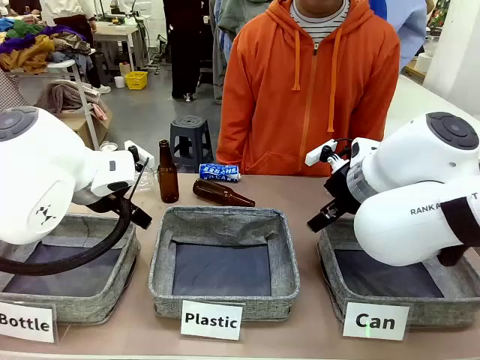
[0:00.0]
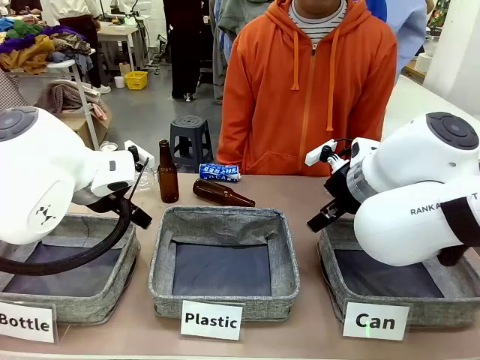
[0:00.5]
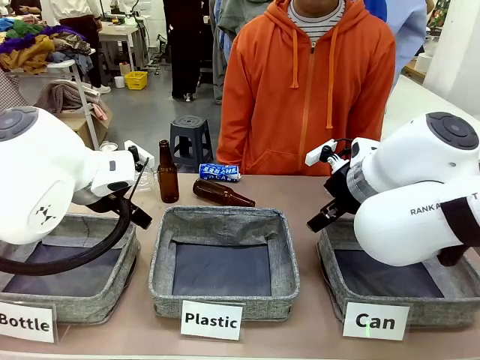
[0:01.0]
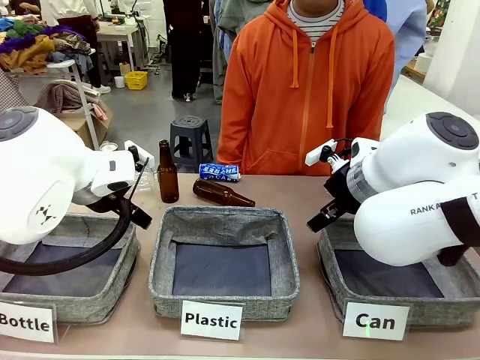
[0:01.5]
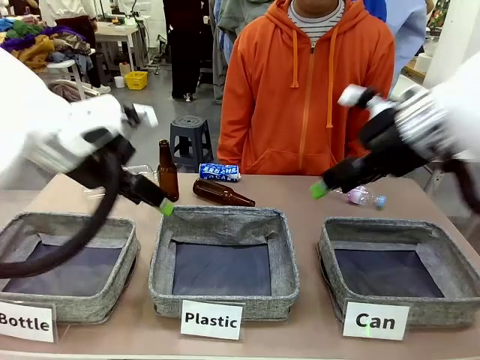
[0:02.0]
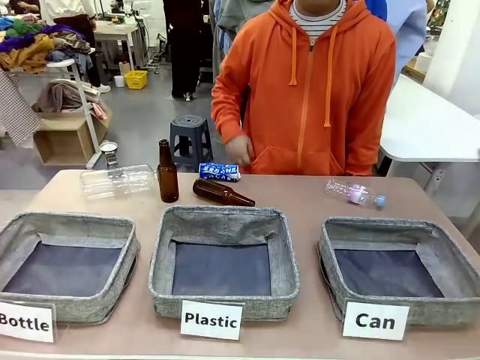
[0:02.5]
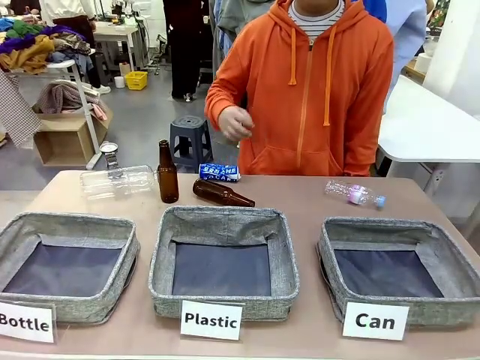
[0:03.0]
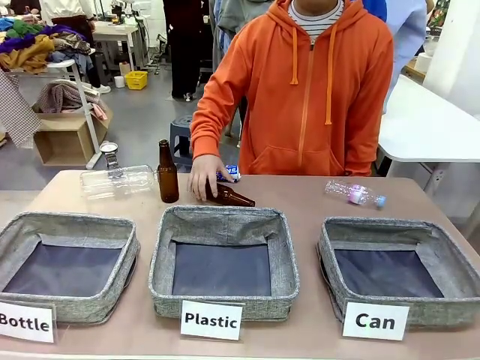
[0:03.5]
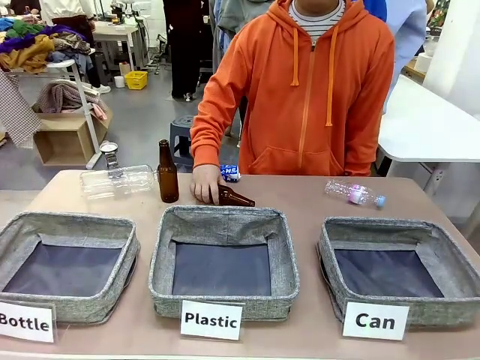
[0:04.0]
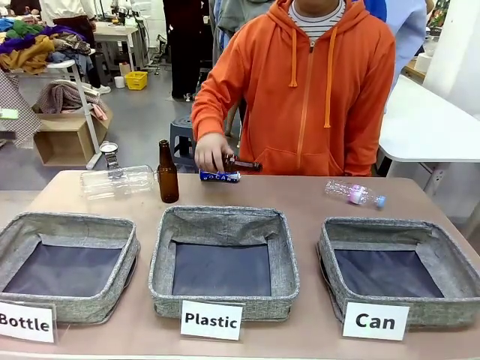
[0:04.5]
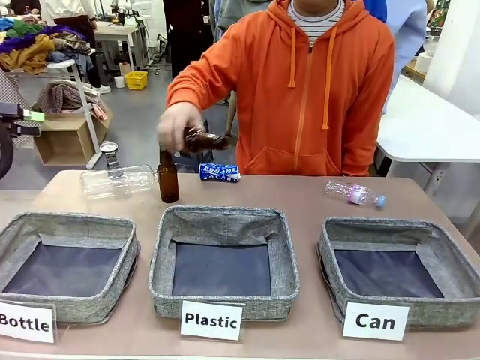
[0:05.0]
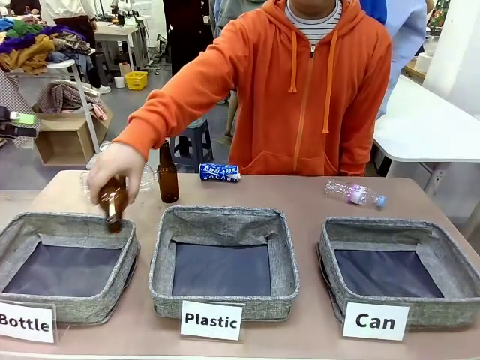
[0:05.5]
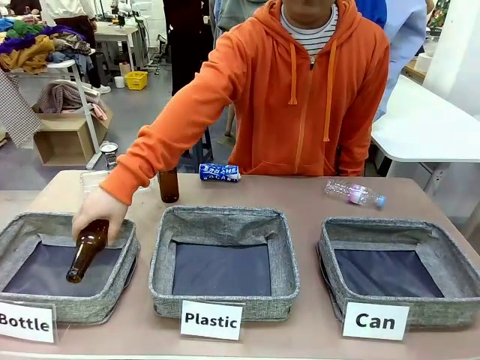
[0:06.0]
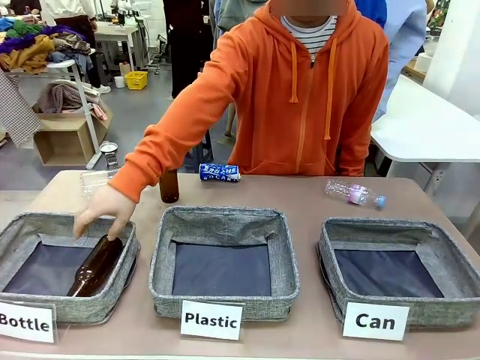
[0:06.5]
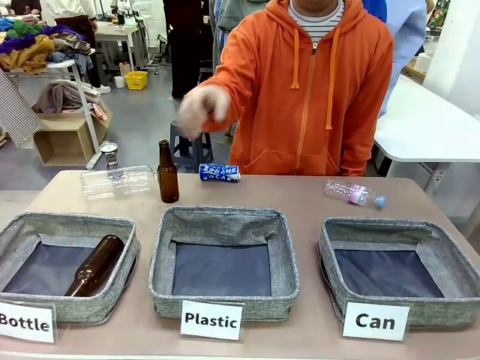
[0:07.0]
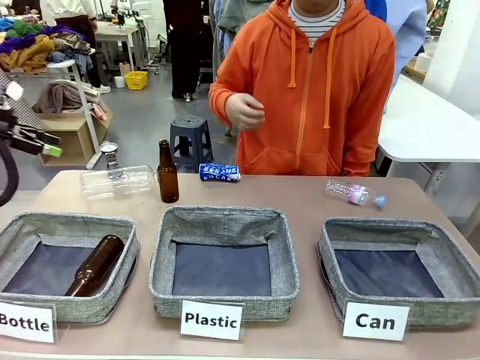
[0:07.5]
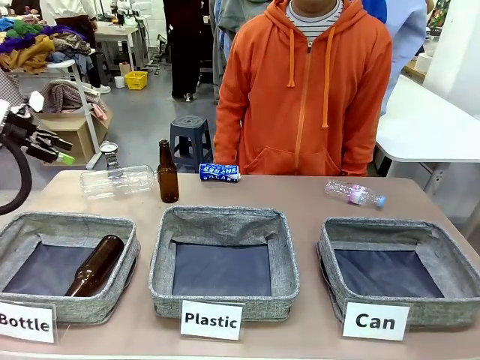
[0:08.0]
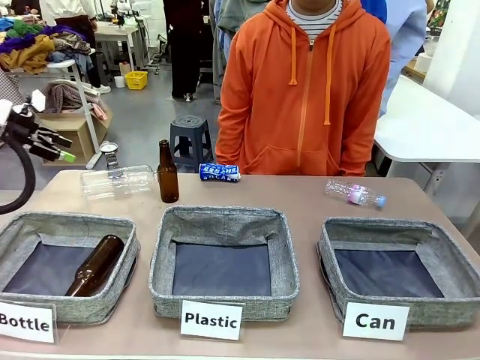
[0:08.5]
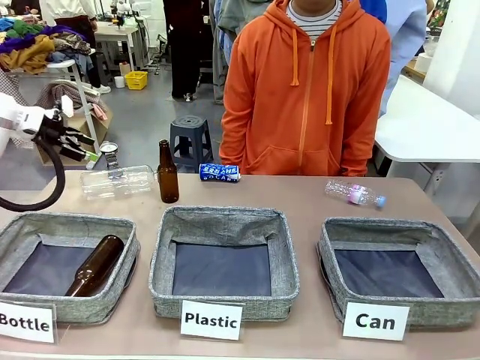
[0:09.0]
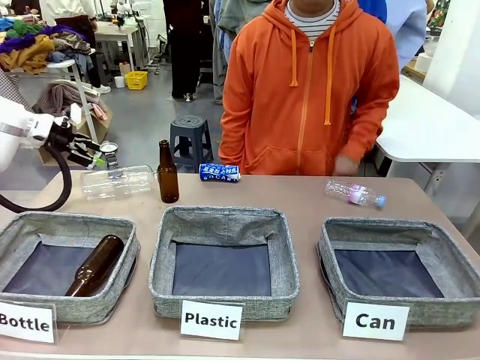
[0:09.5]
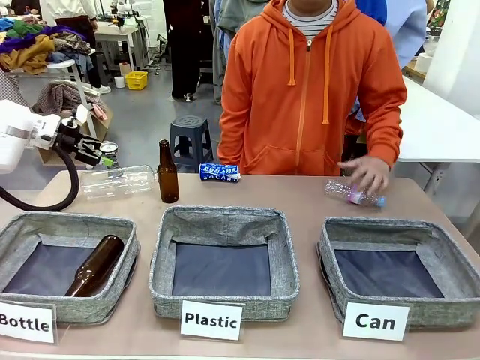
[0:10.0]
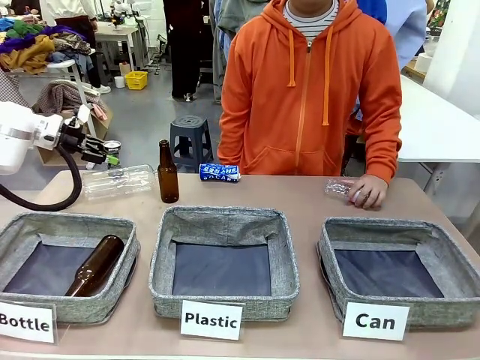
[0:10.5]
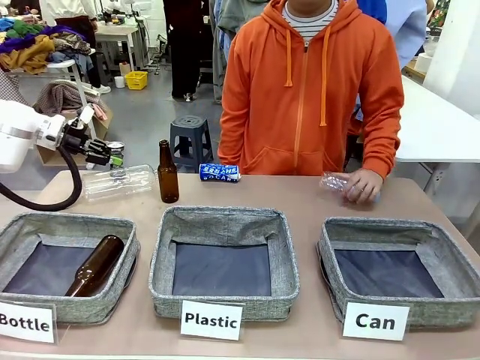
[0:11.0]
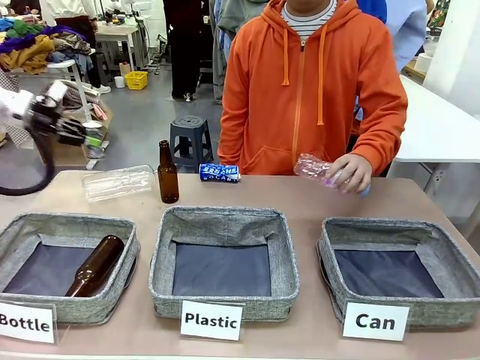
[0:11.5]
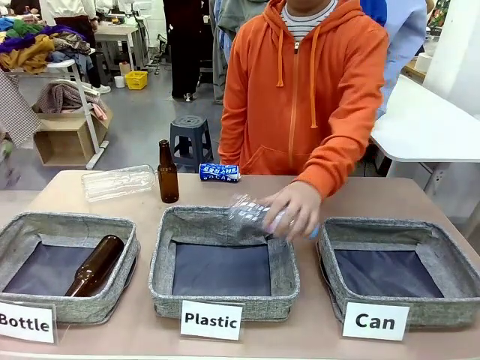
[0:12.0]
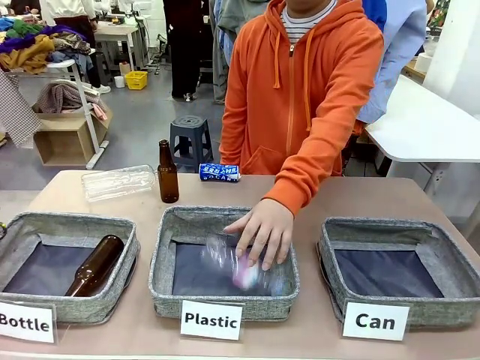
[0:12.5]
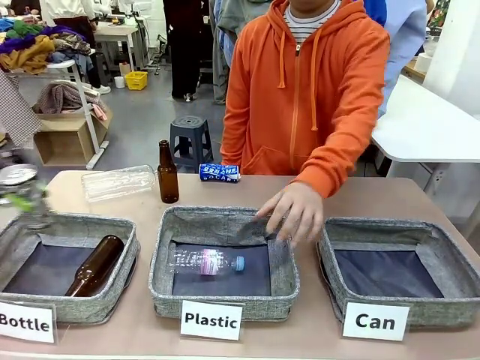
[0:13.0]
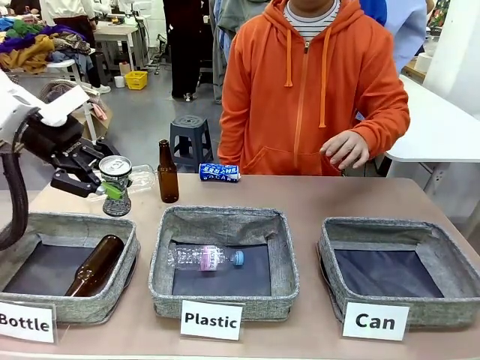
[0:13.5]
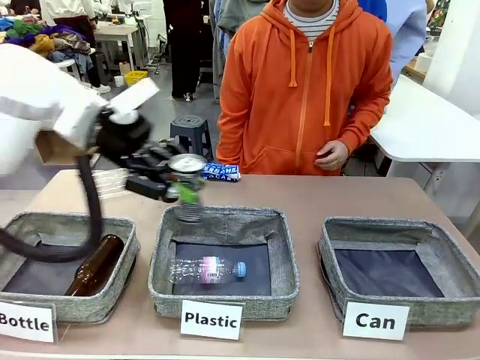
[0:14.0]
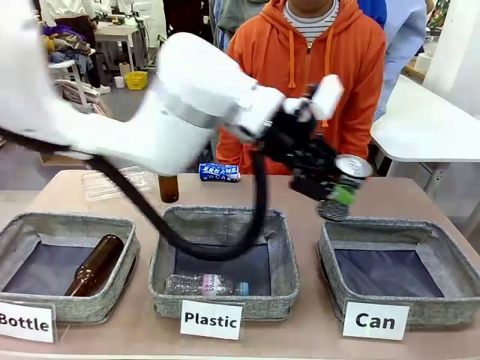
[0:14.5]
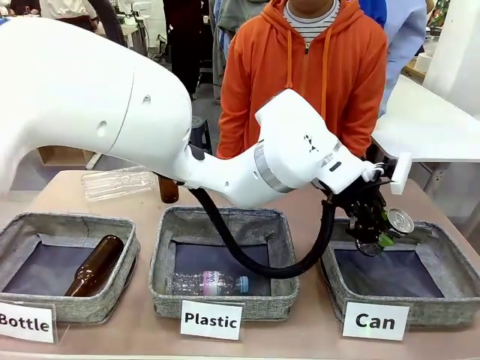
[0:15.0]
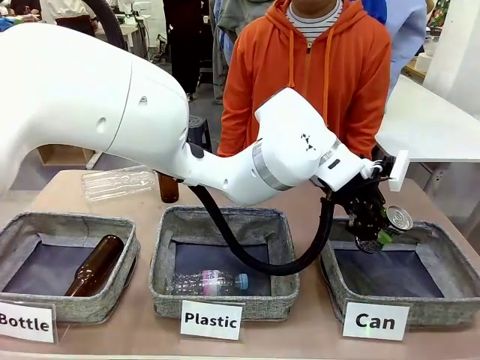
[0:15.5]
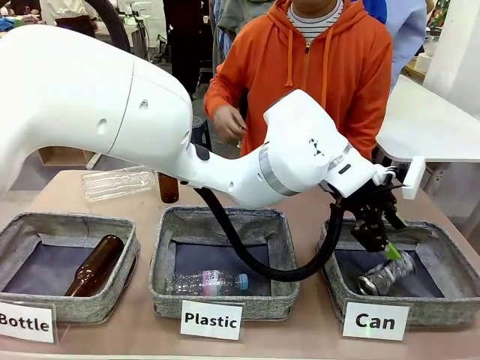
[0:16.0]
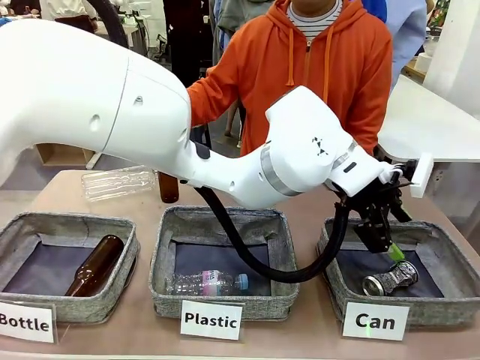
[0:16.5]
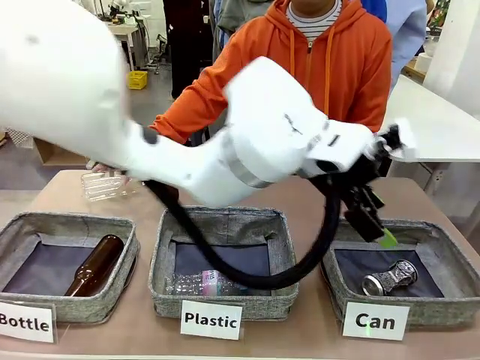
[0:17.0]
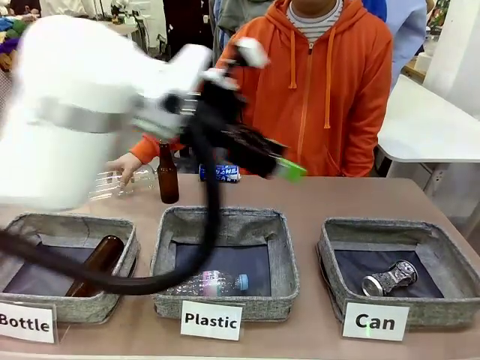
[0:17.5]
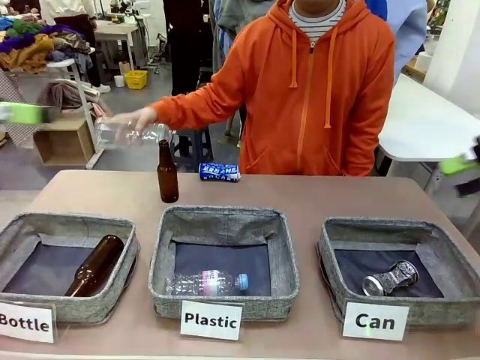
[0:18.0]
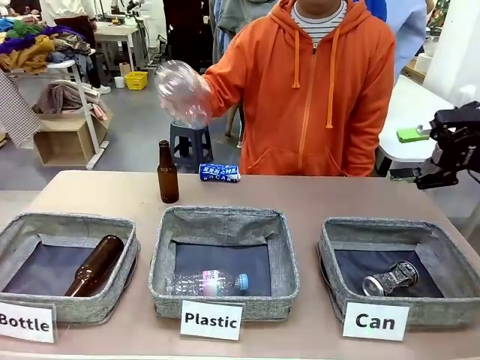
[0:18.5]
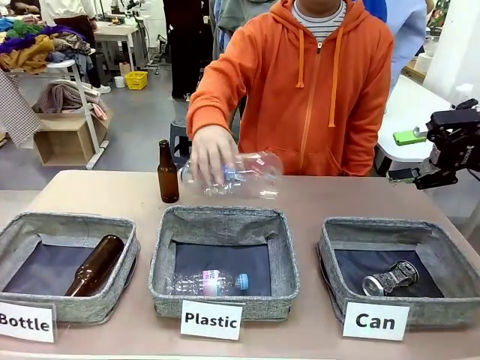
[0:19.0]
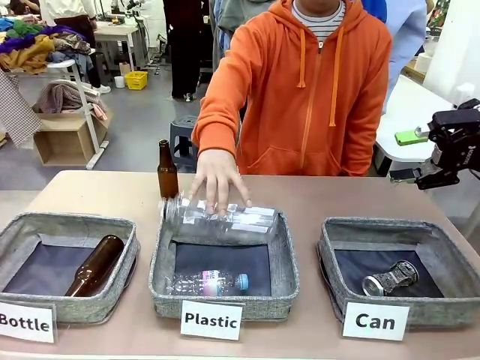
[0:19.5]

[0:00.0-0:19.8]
Task: Sort the can waste into the basket.
Robot: Pick up the can waste from the table and place it in the right Fabric basket.
